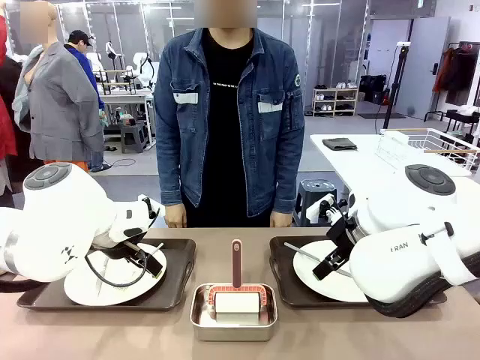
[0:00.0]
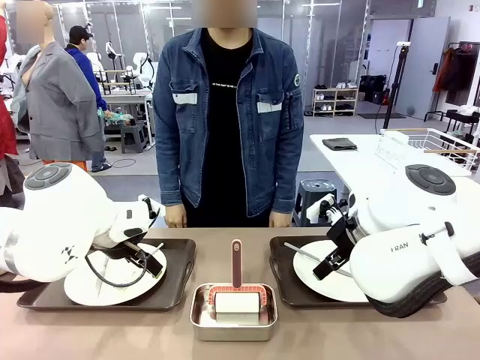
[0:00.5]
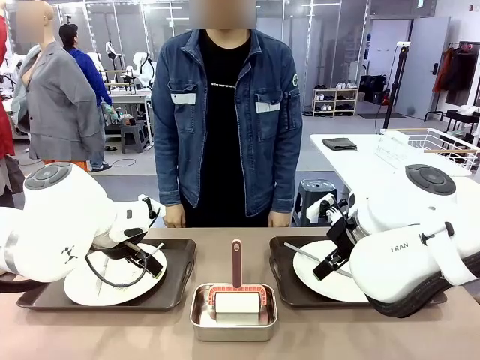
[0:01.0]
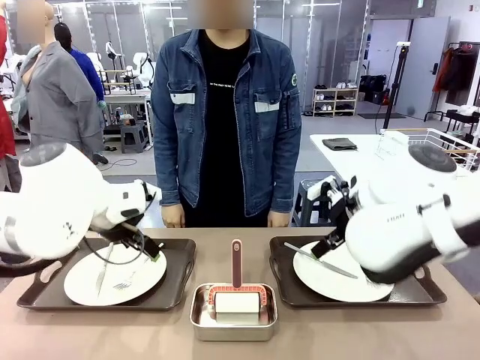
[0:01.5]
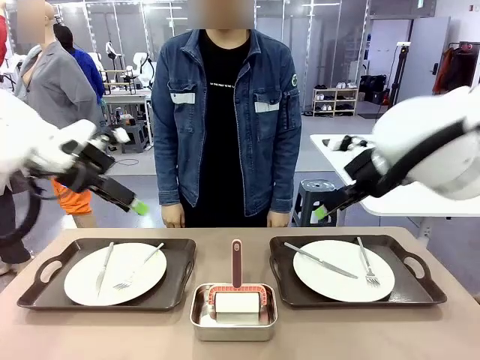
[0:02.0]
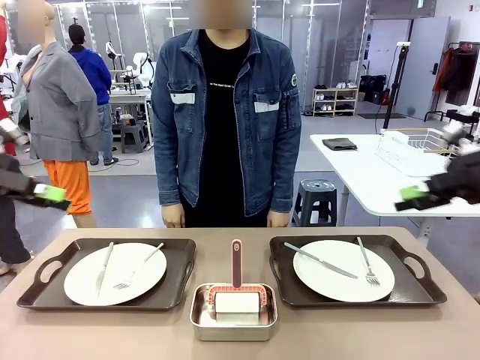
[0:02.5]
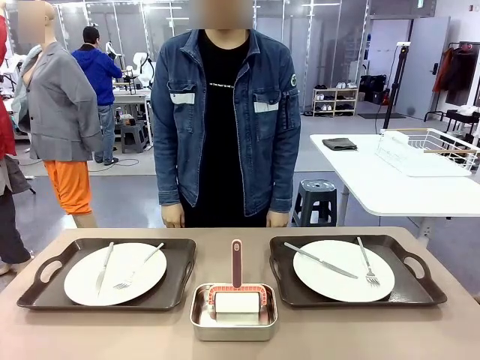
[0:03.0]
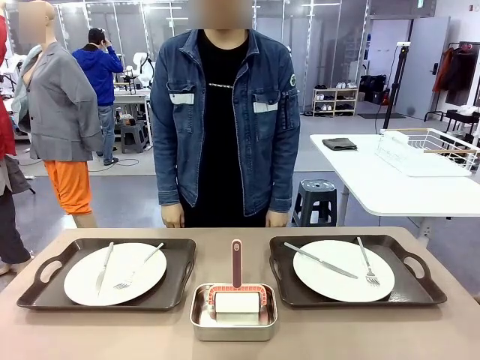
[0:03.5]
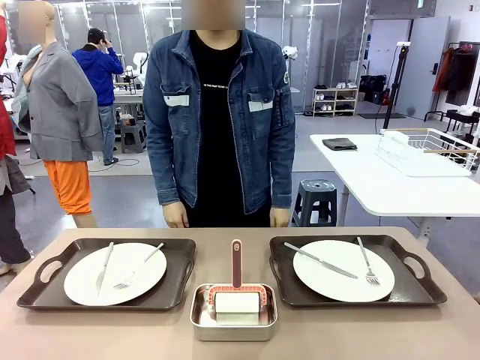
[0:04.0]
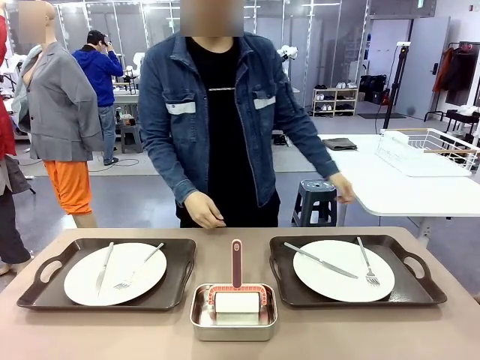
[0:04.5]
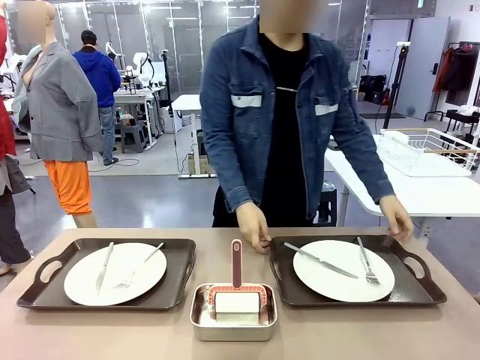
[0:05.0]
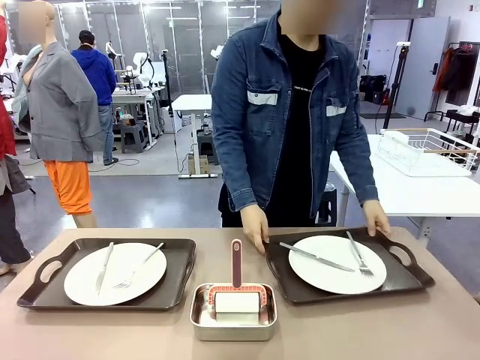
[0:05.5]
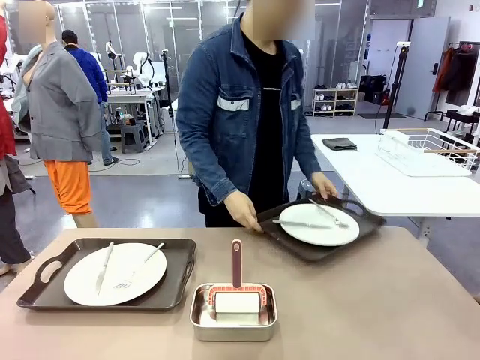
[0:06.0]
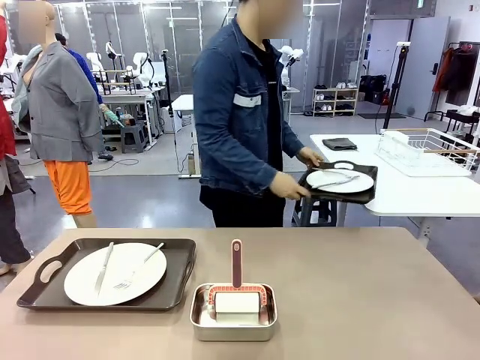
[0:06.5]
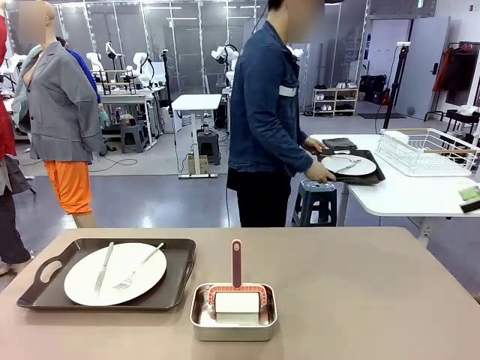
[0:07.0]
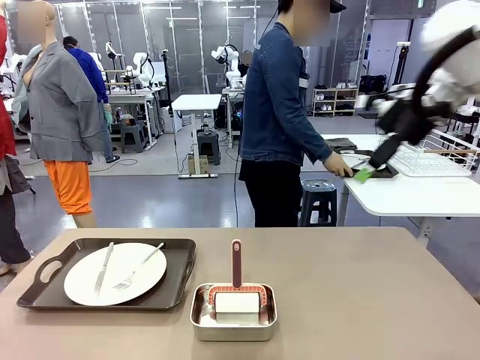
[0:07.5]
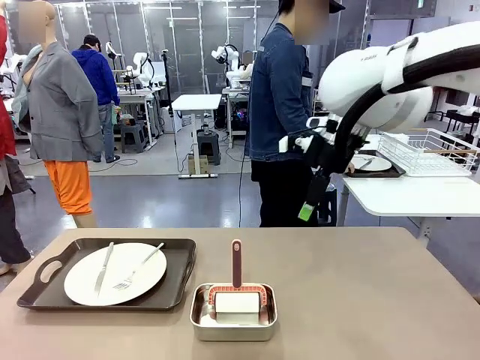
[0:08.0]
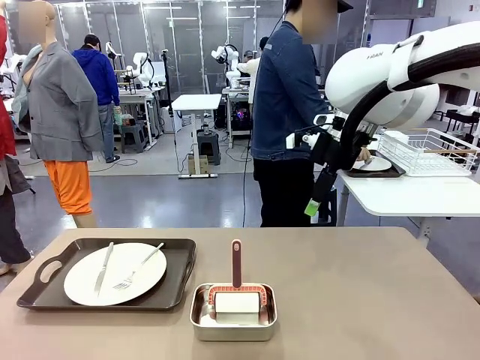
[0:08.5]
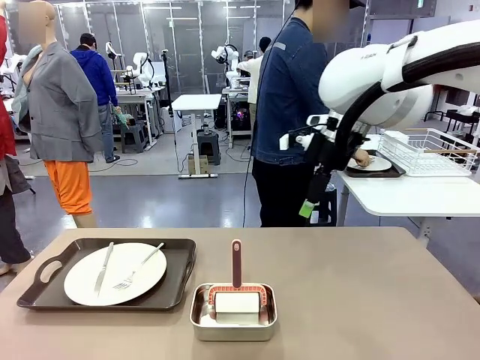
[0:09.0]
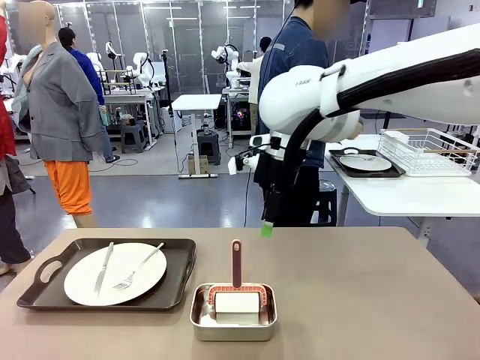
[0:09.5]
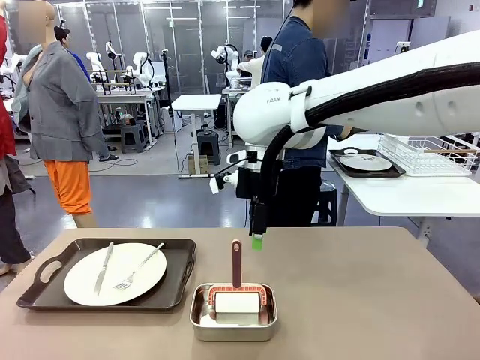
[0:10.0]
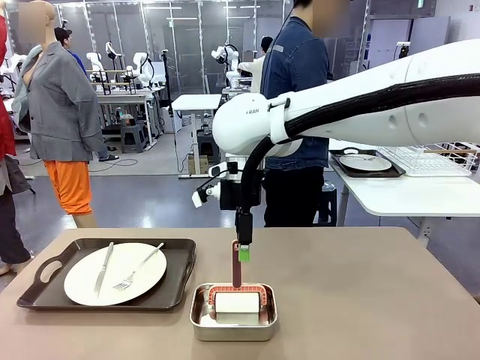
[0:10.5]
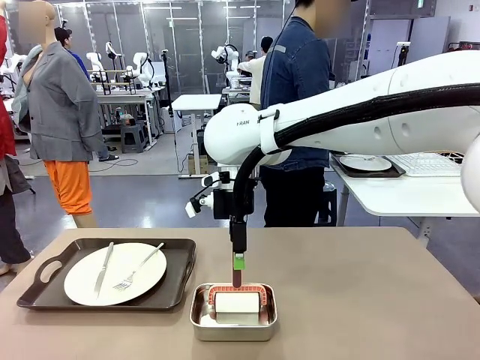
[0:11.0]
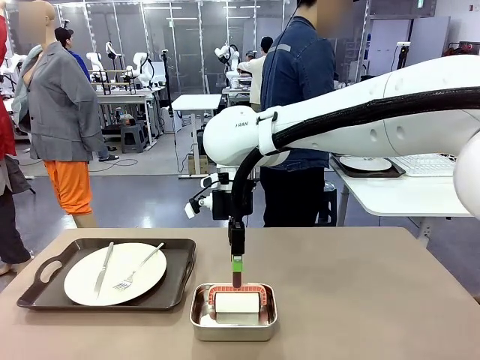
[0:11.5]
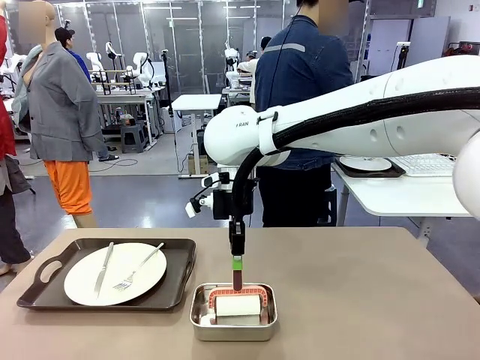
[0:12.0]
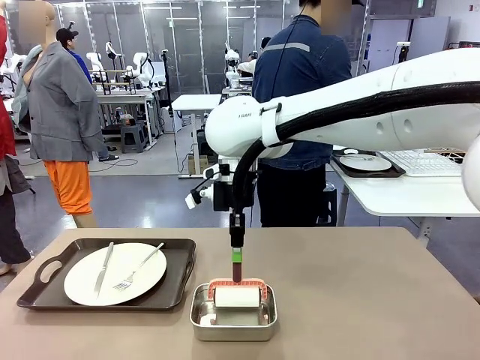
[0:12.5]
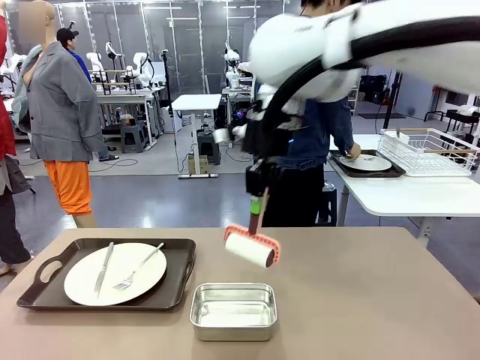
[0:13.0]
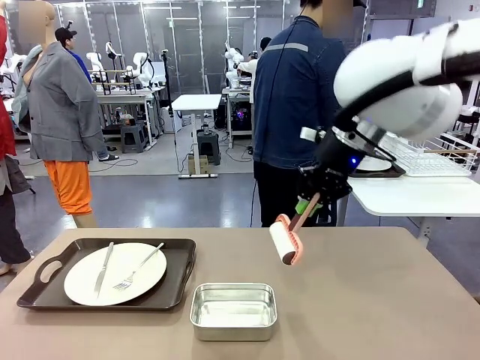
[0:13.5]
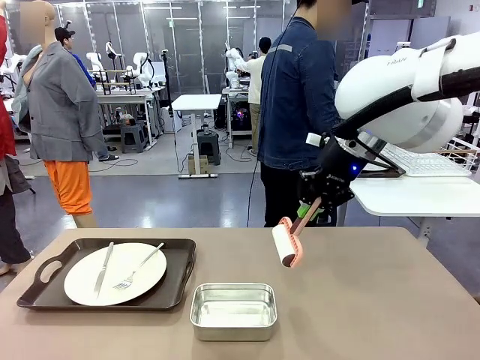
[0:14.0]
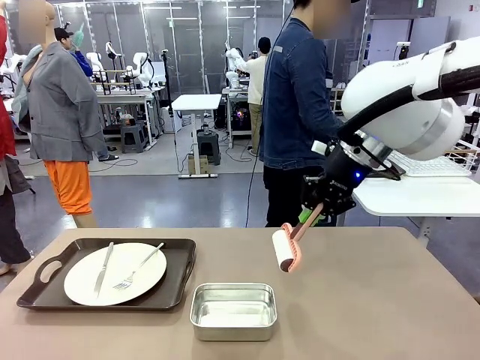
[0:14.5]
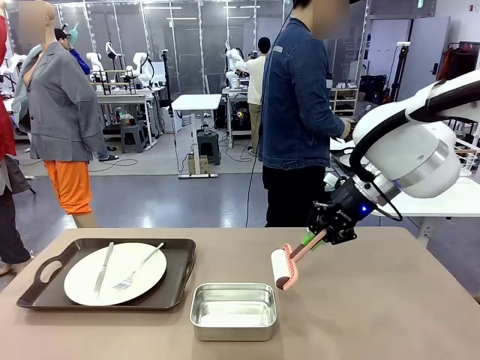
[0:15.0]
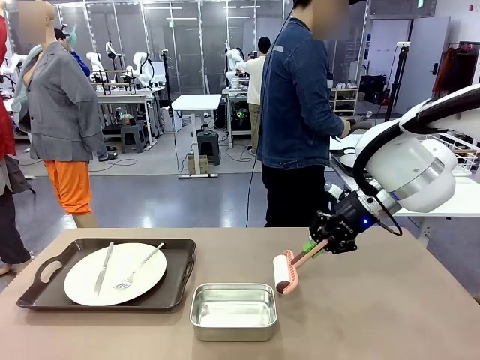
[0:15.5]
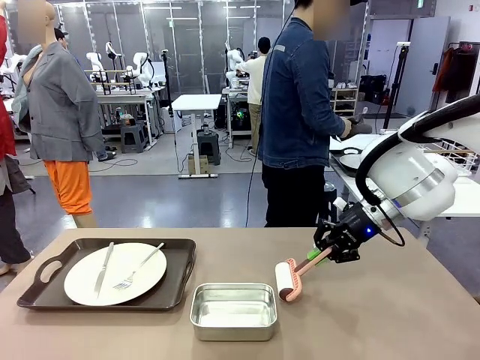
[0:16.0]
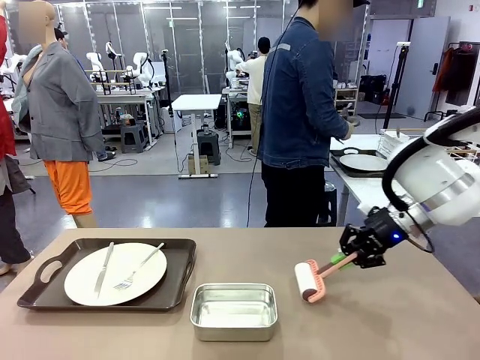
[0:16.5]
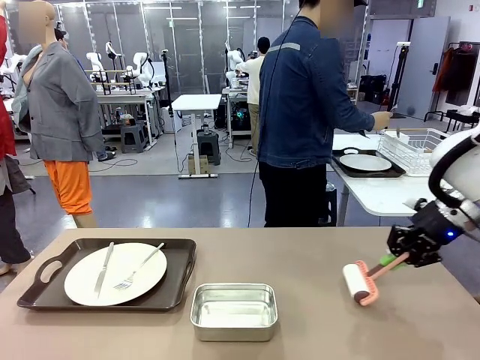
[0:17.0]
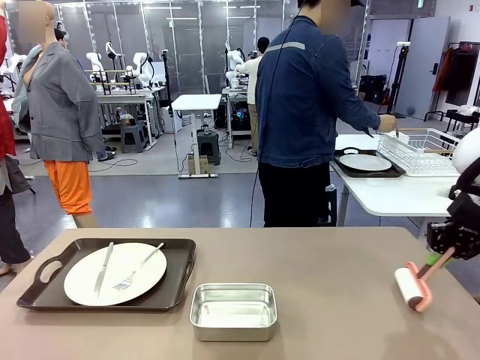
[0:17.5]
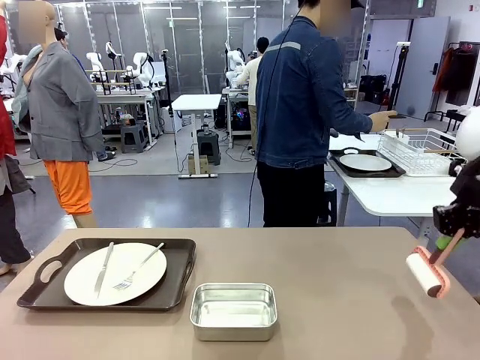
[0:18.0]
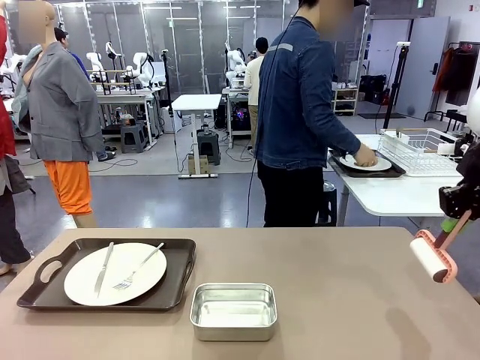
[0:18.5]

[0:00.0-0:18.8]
Robot: When the left (or right) Handle tray is removed, use the left hand (or right hand) to clean the left (or right) side of the table with the Lint Roller.
Person: Pick up the left (or right) Handle tray and place it on the middle of the Human's table. Use the Towel with hook to wipe the Plastic Matte Plate , Fork , and Knife and place into the Dish drying rack.

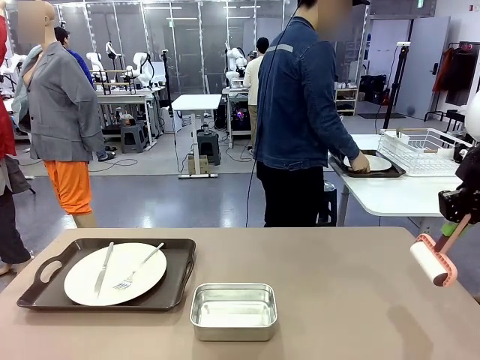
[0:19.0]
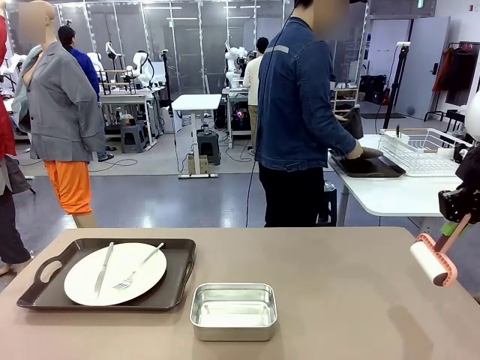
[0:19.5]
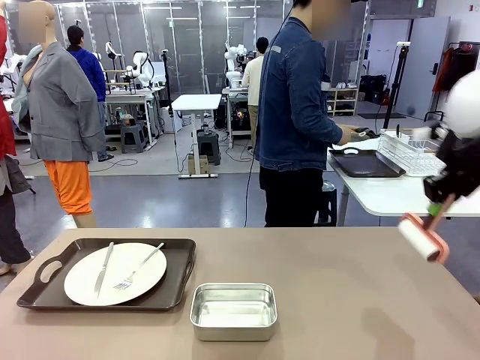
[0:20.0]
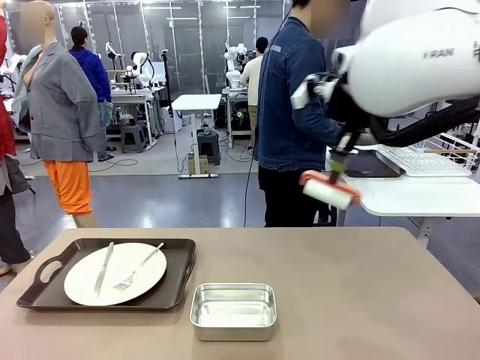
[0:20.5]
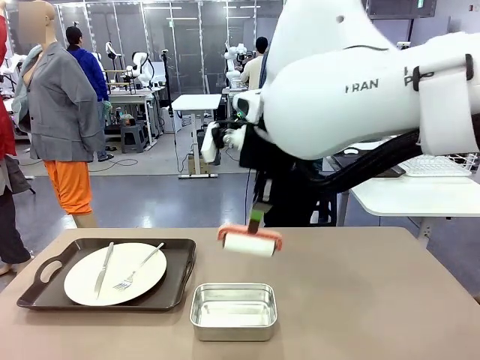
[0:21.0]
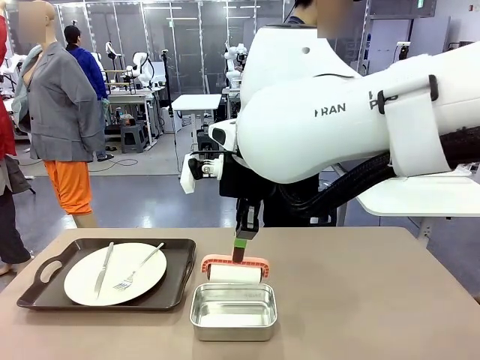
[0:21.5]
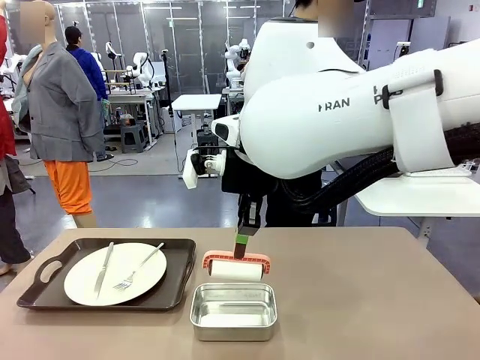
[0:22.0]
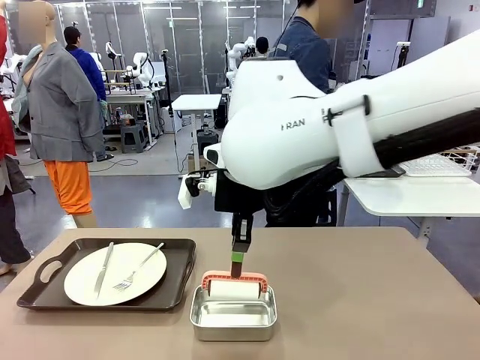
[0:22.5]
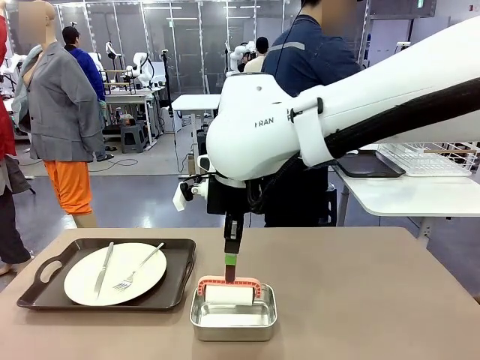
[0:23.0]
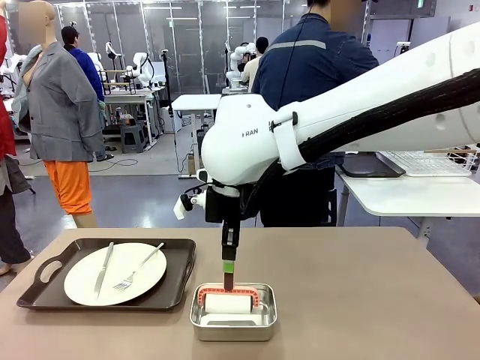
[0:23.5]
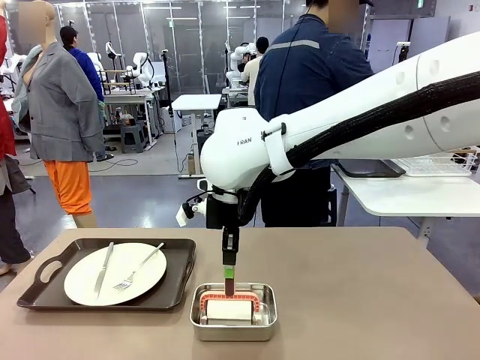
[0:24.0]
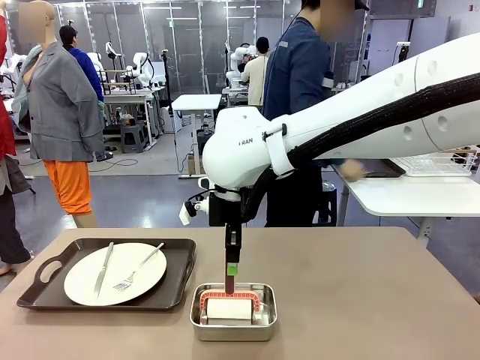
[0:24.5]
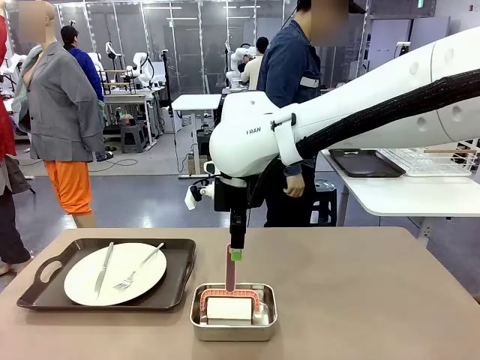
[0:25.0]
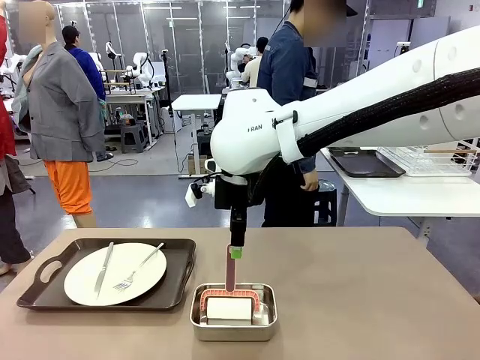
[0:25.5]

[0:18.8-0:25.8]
Robot: Place the Lint Roller back on top of the Airtight Container.
